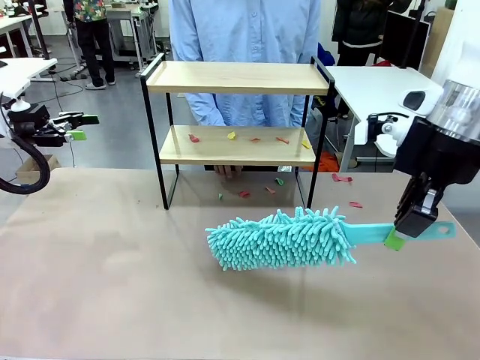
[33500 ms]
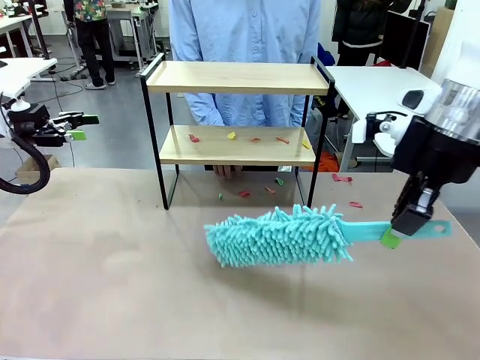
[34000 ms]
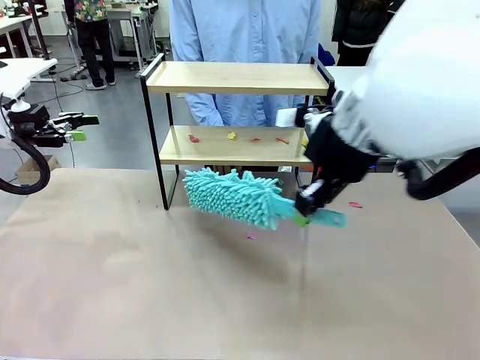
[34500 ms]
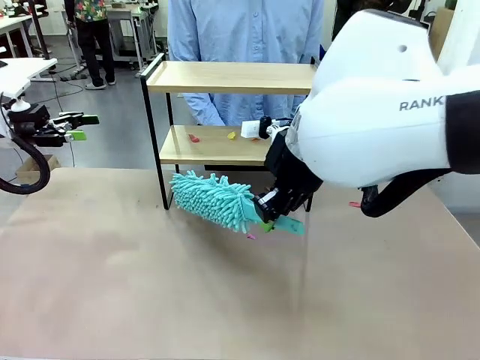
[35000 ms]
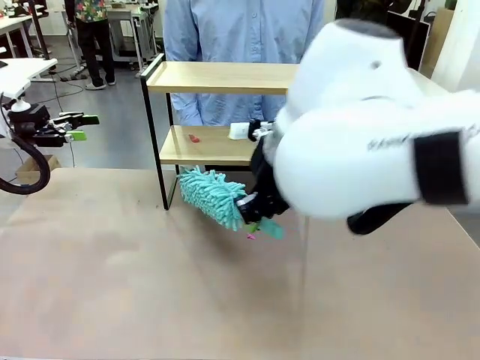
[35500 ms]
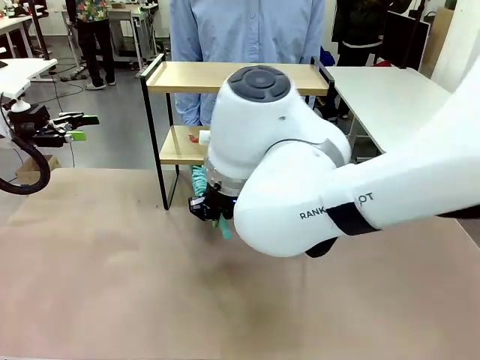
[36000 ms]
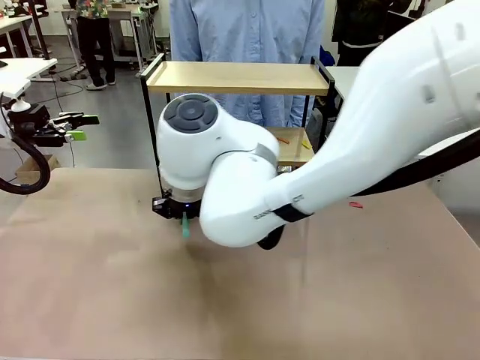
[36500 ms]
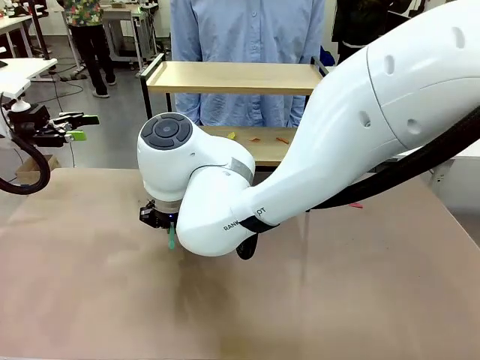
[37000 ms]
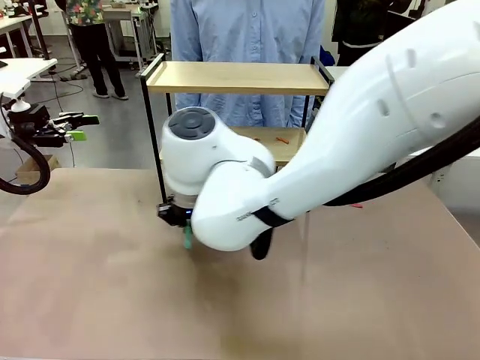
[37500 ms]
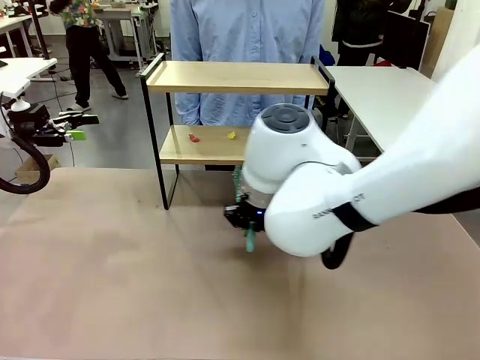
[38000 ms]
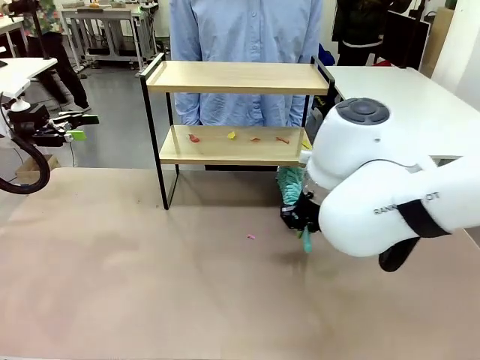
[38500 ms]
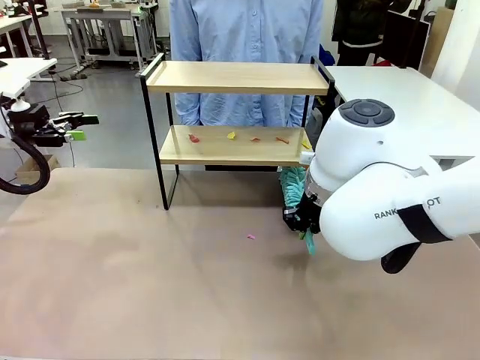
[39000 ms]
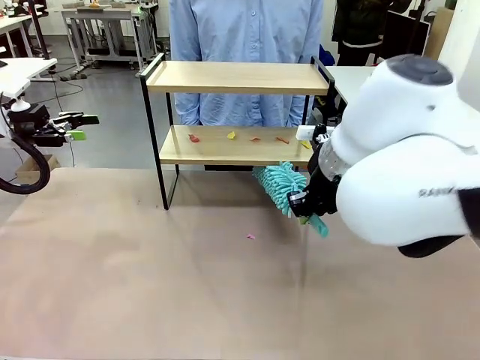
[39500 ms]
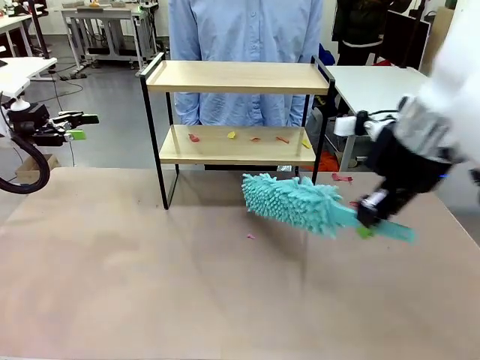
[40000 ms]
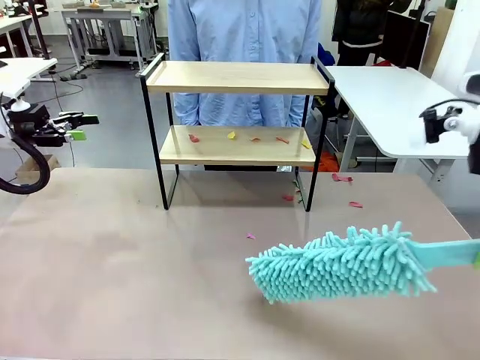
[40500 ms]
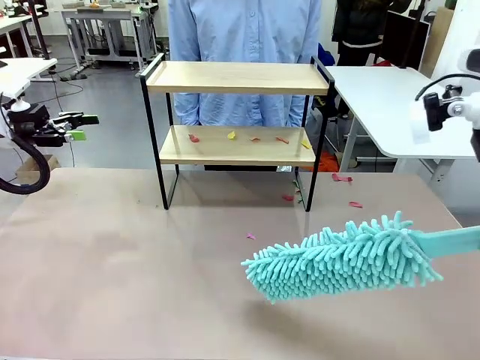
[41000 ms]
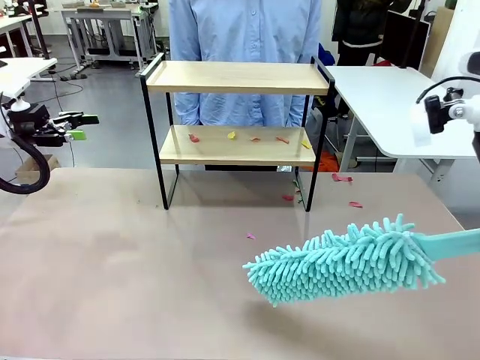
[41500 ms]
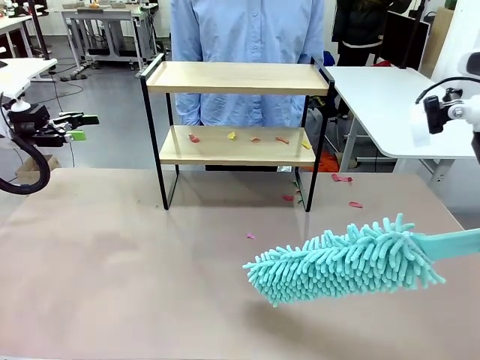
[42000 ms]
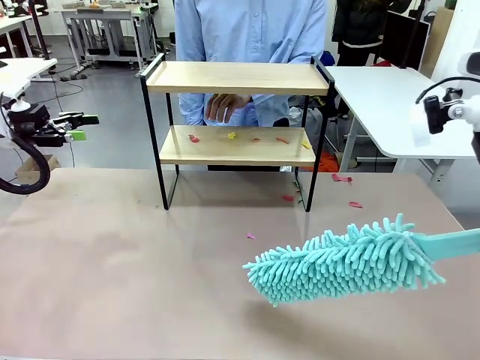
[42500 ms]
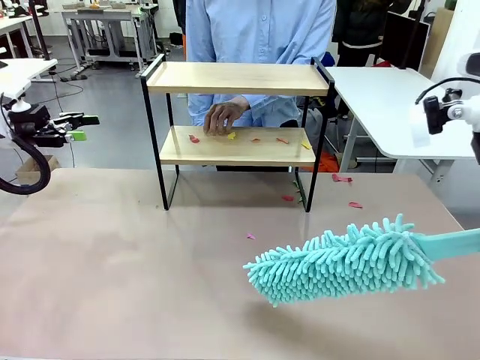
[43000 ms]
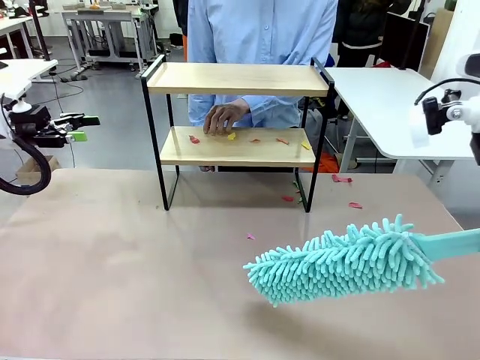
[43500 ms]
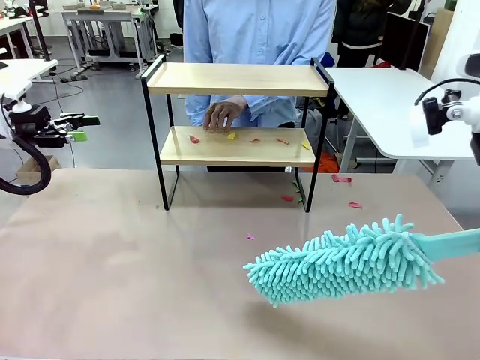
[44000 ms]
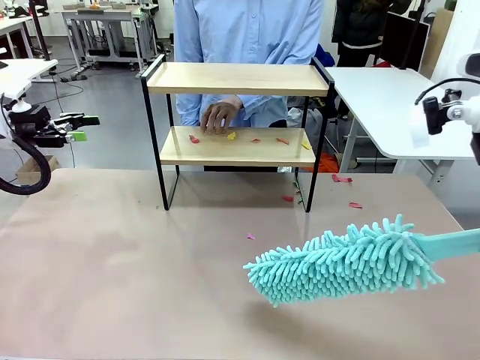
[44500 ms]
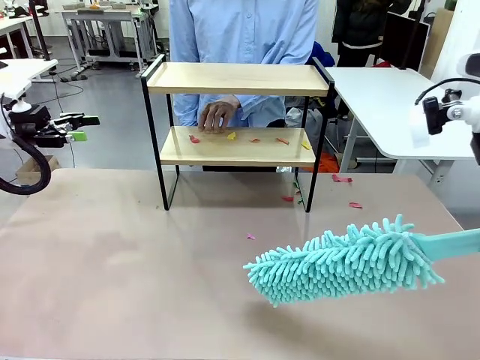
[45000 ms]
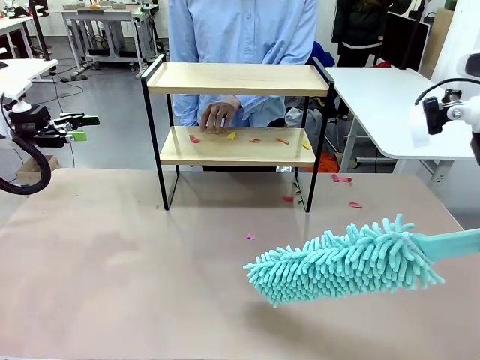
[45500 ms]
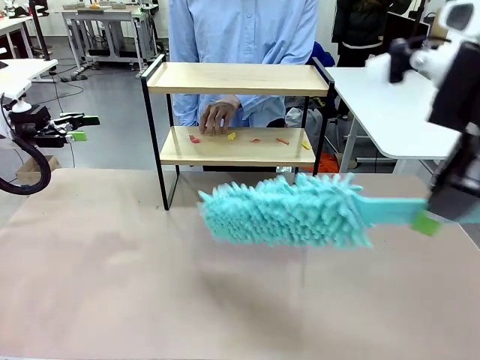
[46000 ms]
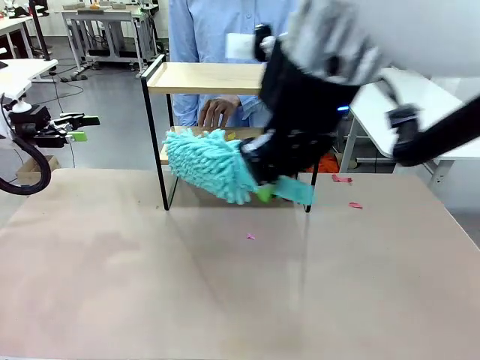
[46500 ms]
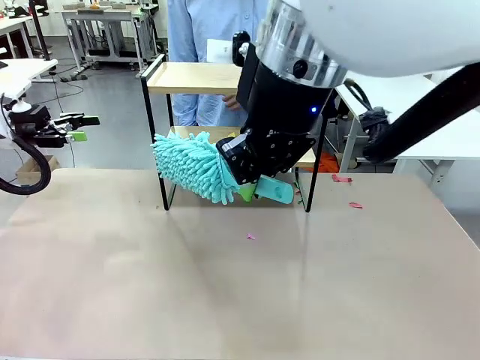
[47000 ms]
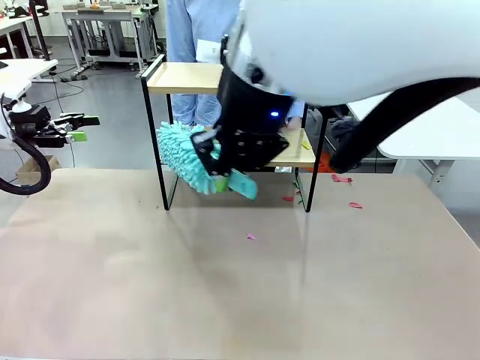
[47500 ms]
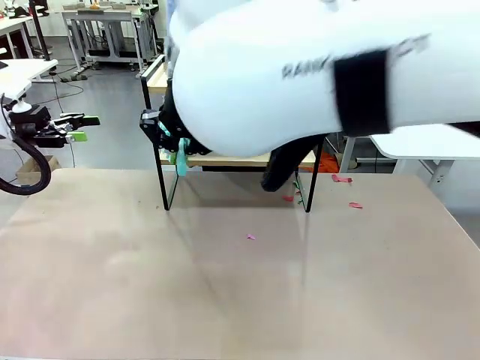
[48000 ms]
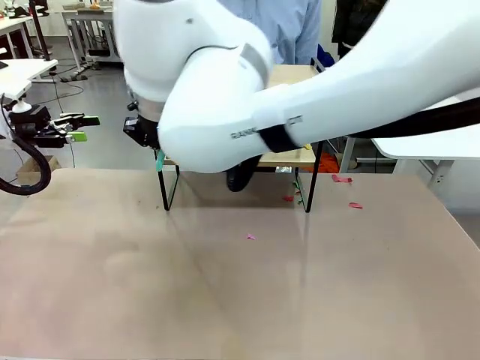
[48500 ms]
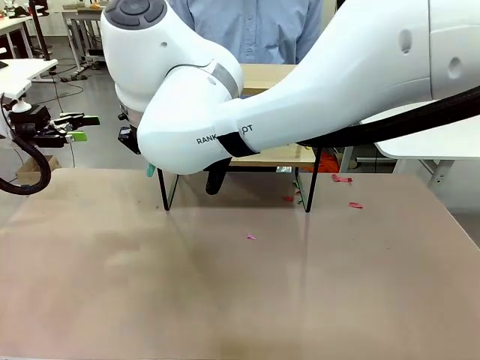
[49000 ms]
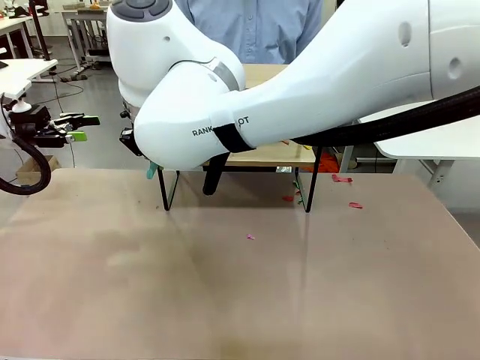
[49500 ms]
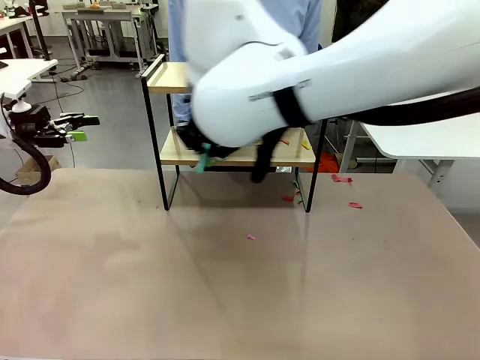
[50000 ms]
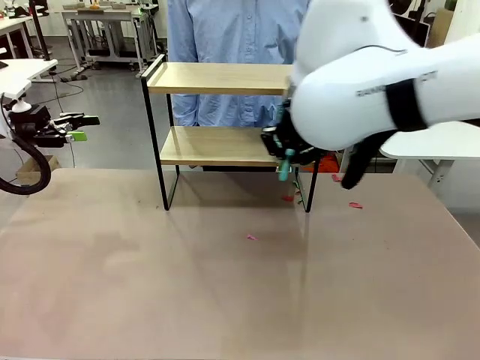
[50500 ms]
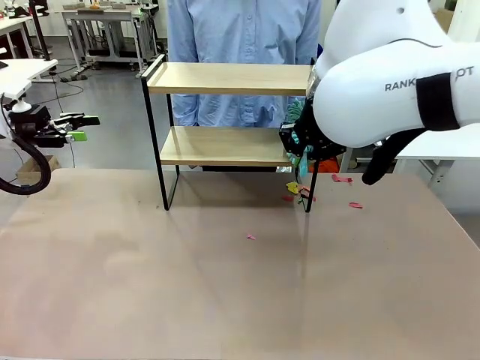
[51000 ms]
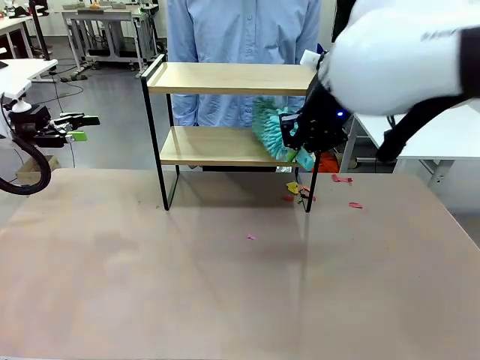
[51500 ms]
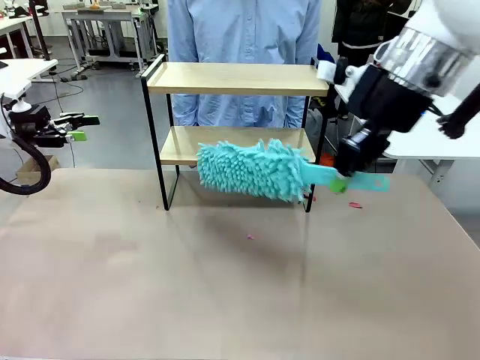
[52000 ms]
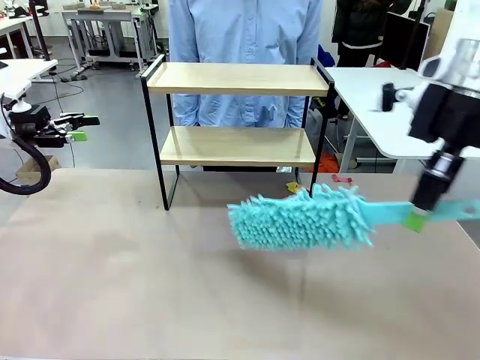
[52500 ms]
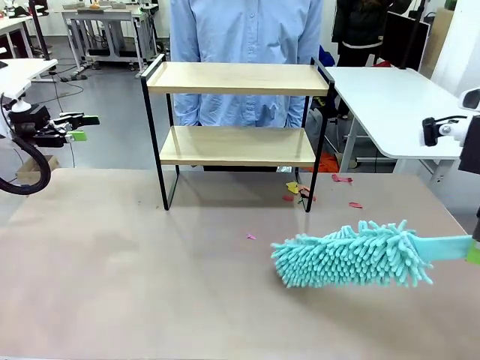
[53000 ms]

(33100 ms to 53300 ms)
Task: Clean the shelf.
Robot: Clean the specific section of the Shelf indicated by the human with the Duster.
Person: Point a remaining section of the Shelf.

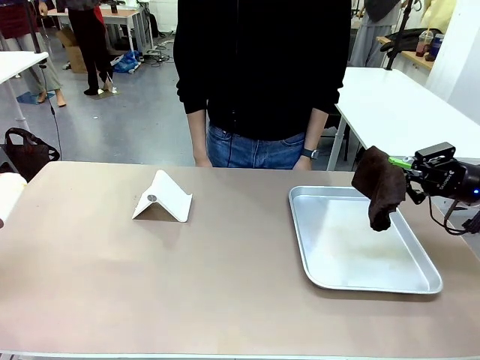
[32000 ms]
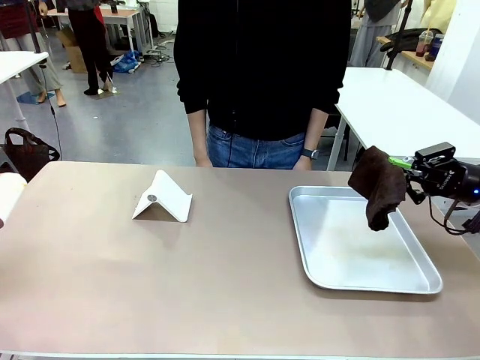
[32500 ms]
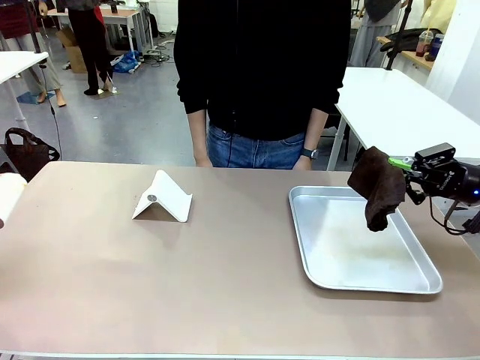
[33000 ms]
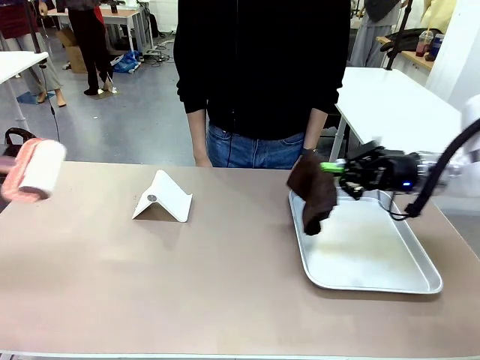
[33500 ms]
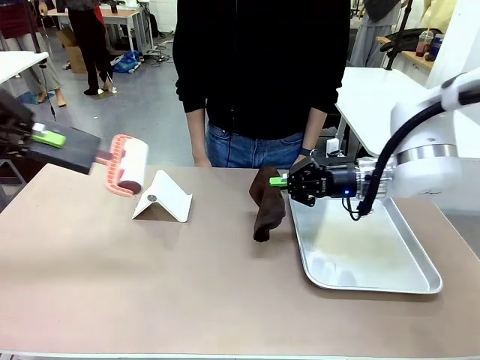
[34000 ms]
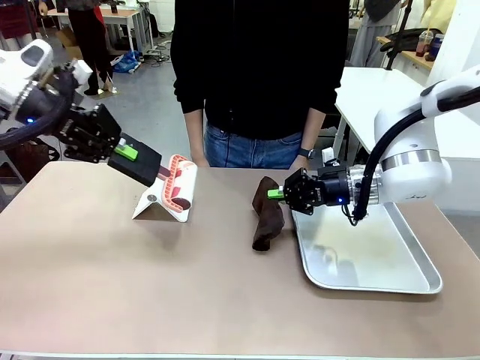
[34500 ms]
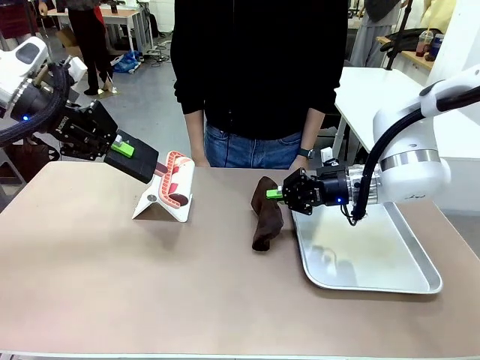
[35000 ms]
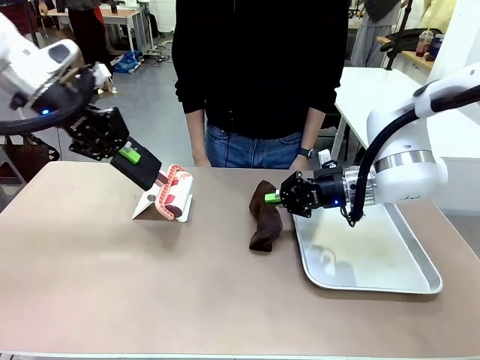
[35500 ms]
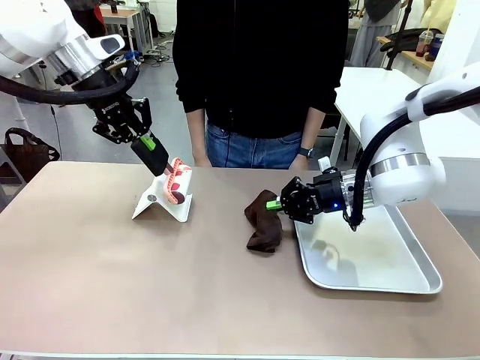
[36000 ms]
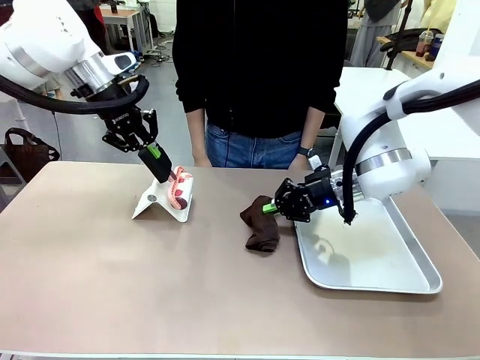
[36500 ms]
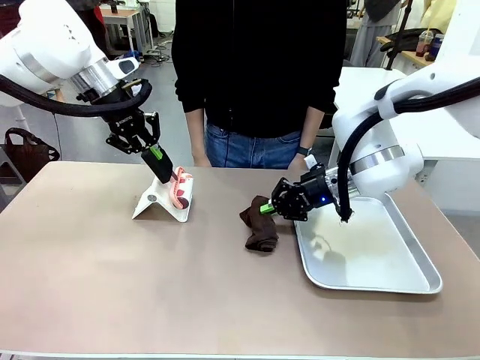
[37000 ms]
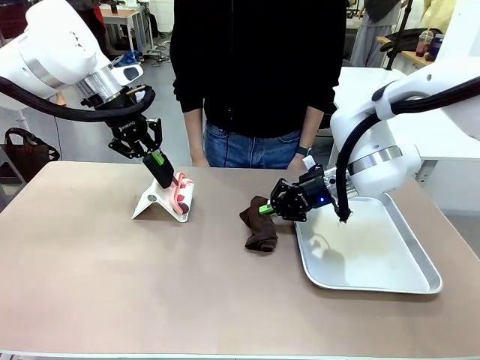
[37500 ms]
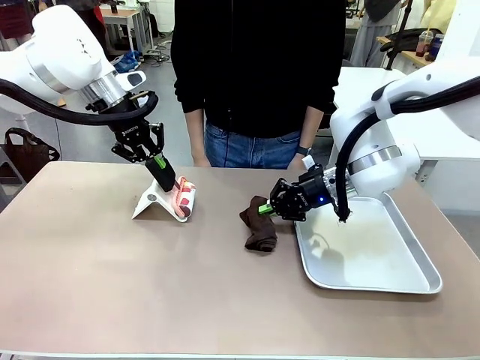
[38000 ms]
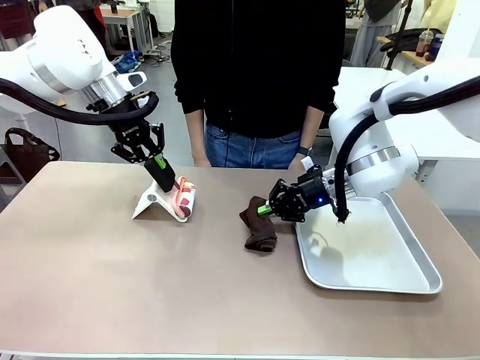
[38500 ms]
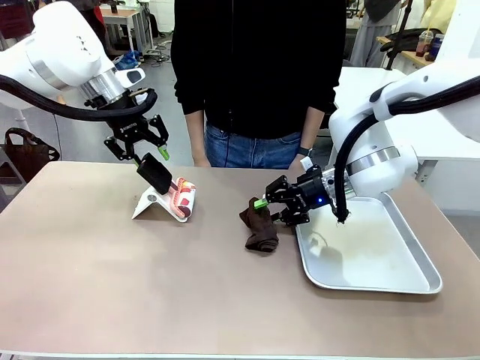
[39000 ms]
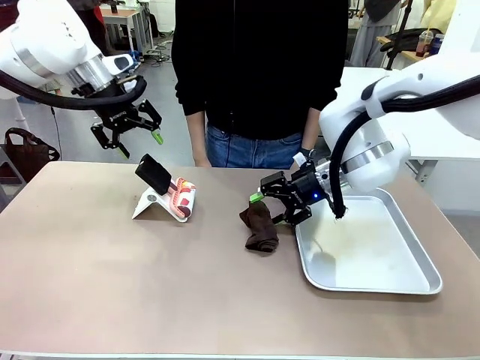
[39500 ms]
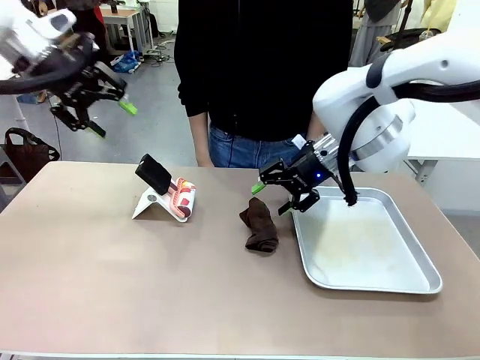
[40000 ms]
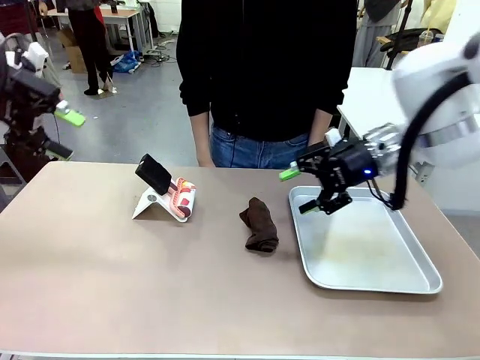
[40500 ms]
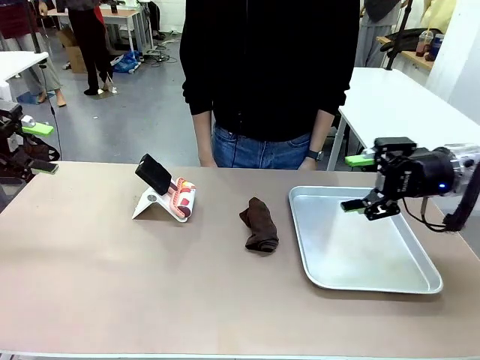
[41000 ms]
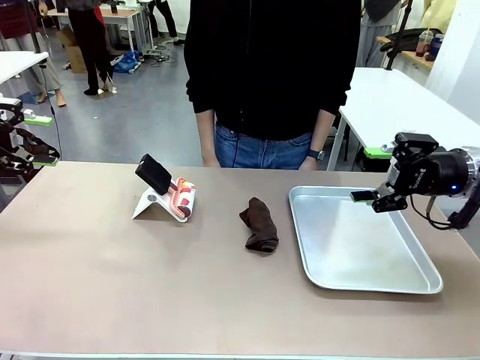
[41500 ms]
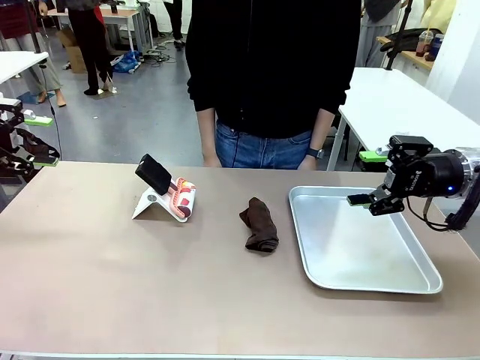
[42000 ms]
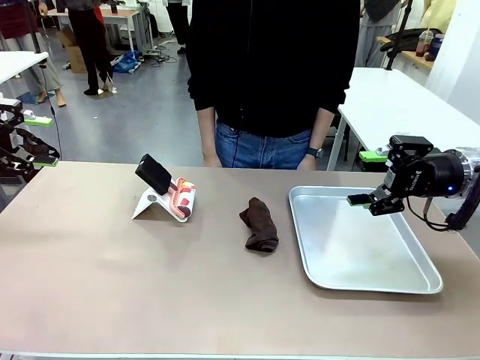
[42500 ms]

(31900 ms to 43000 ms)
Task: Clean the surface of the table.
Robot: Return the Lint Roller and towel to their original positions.
